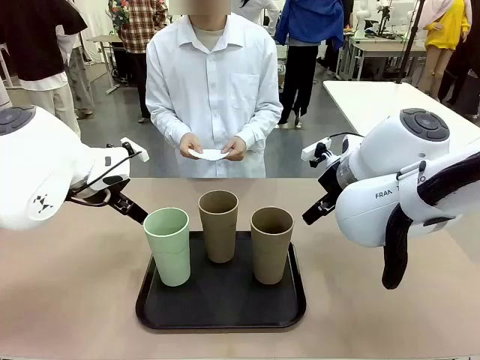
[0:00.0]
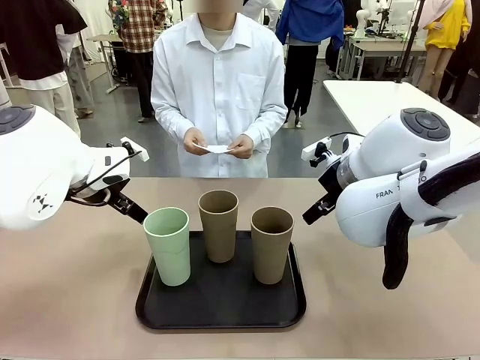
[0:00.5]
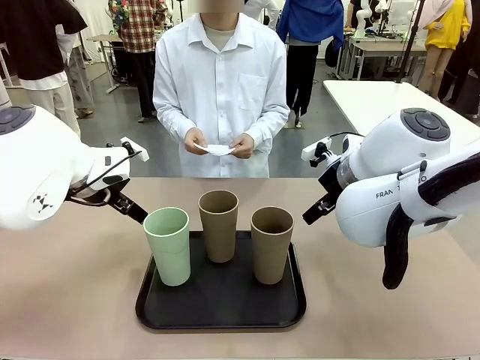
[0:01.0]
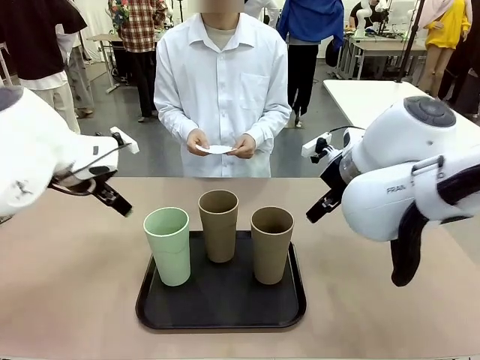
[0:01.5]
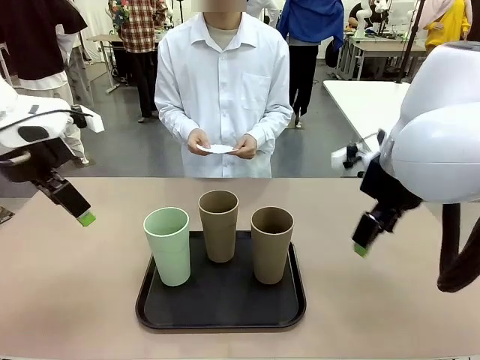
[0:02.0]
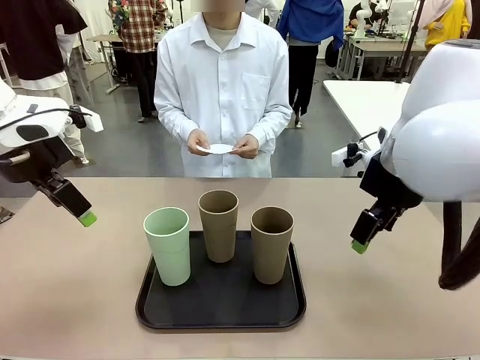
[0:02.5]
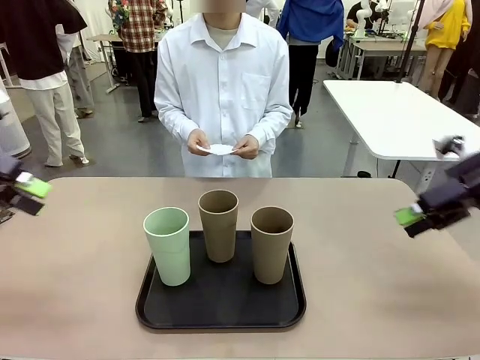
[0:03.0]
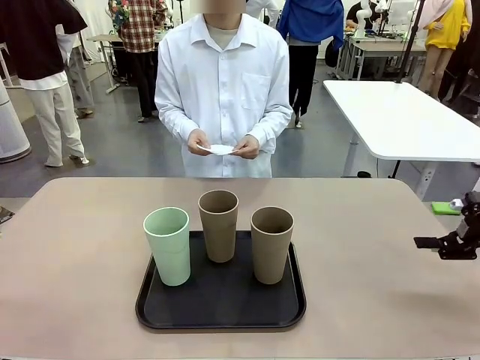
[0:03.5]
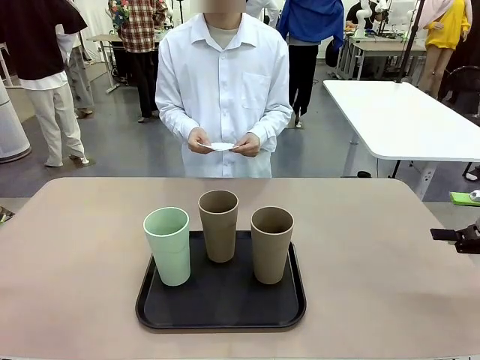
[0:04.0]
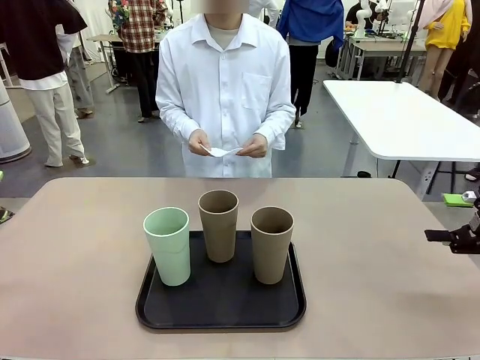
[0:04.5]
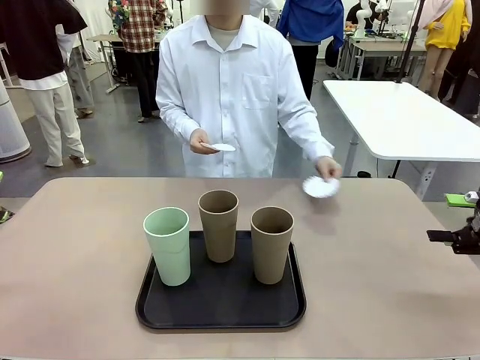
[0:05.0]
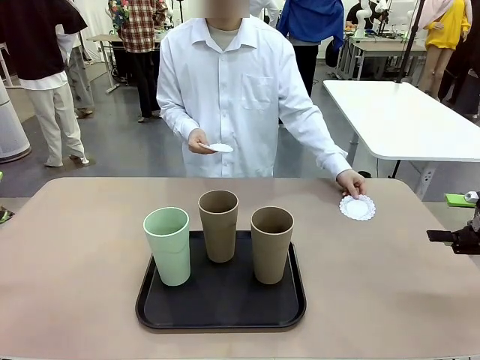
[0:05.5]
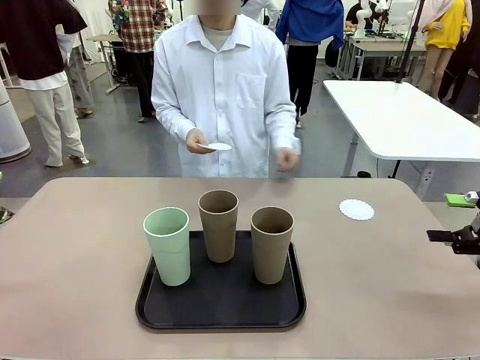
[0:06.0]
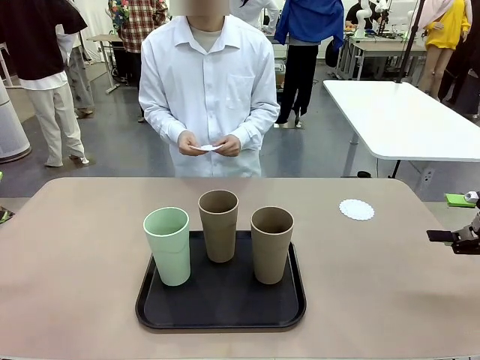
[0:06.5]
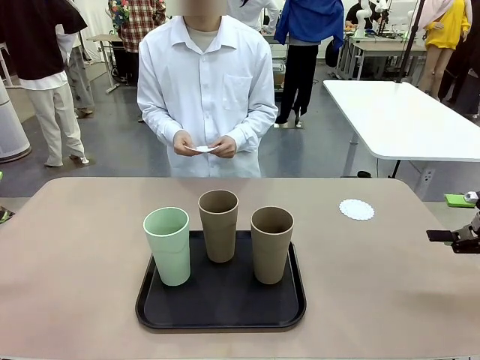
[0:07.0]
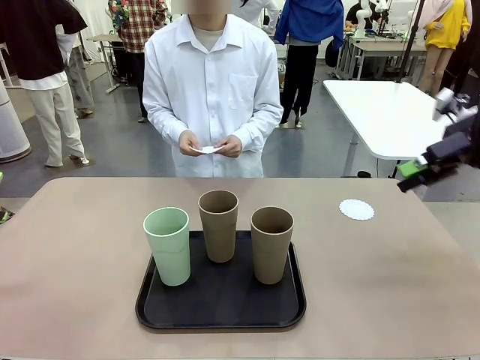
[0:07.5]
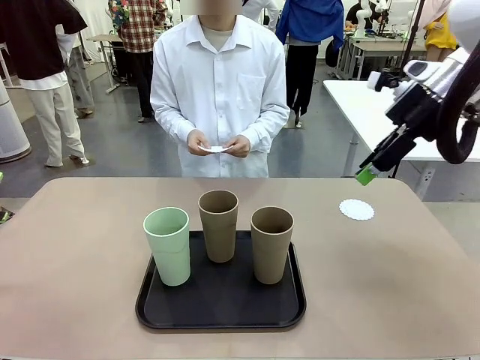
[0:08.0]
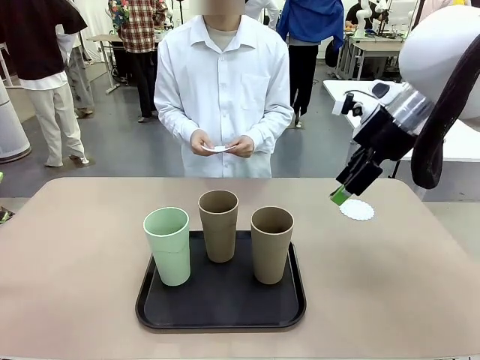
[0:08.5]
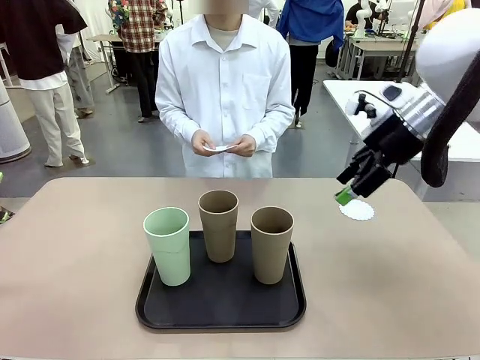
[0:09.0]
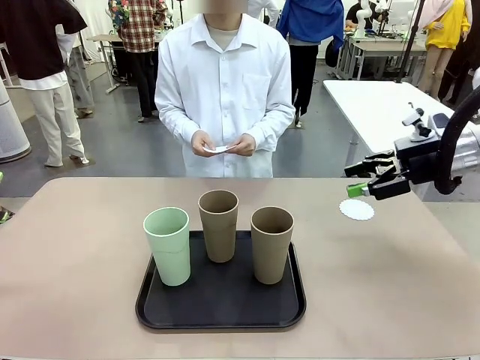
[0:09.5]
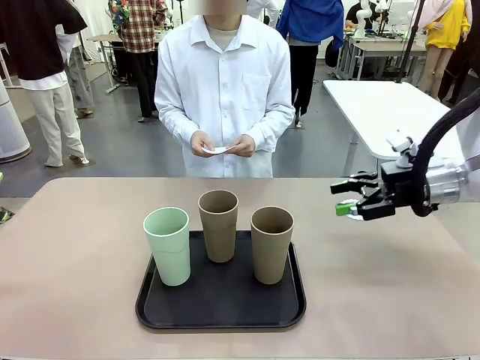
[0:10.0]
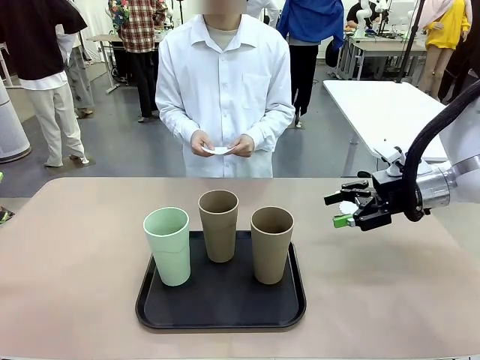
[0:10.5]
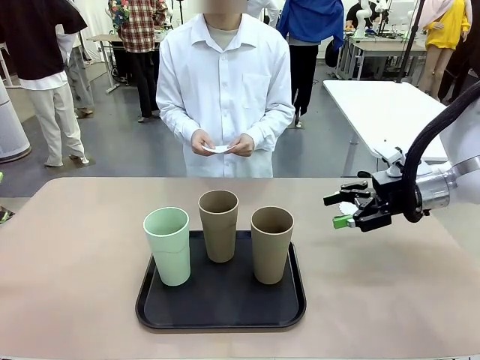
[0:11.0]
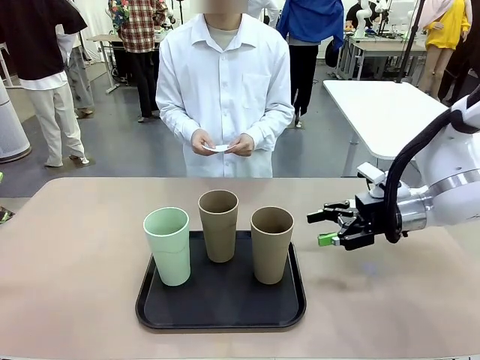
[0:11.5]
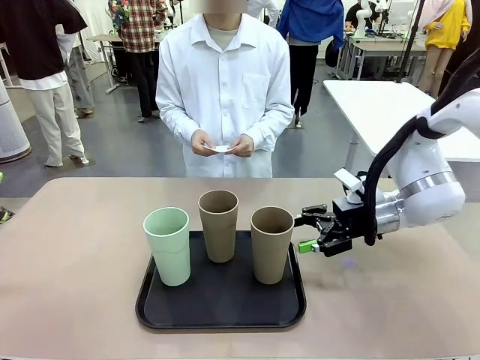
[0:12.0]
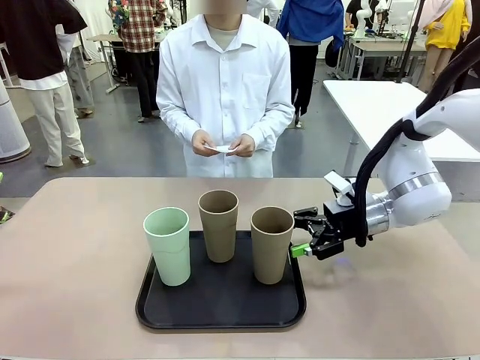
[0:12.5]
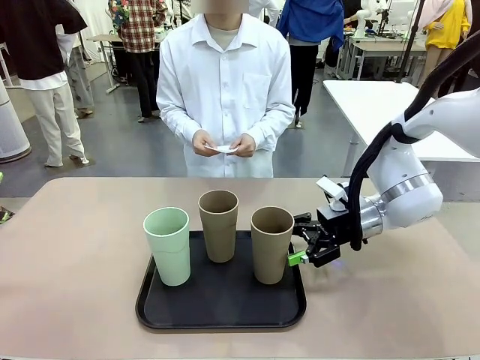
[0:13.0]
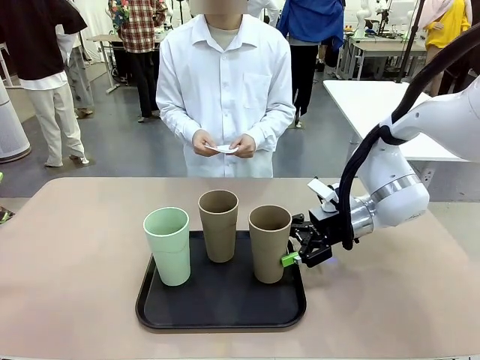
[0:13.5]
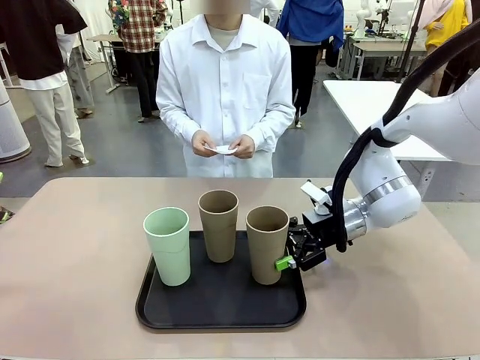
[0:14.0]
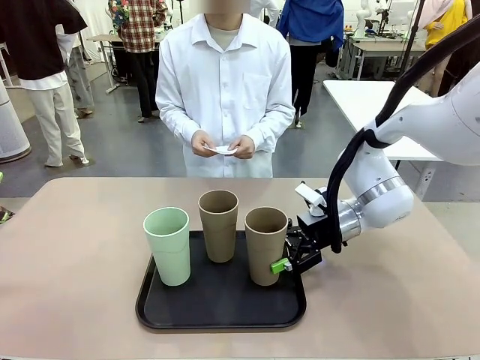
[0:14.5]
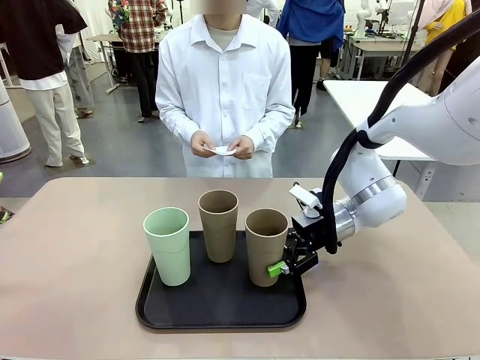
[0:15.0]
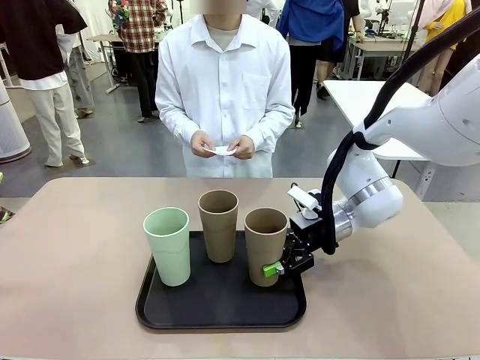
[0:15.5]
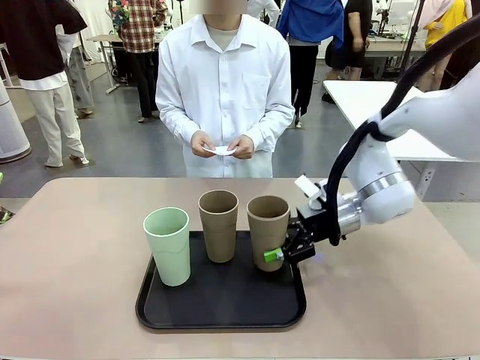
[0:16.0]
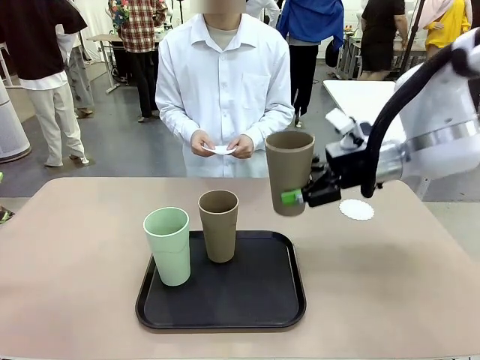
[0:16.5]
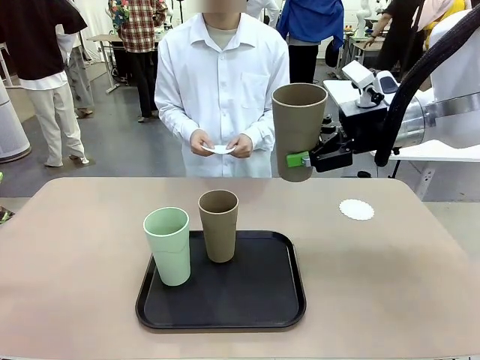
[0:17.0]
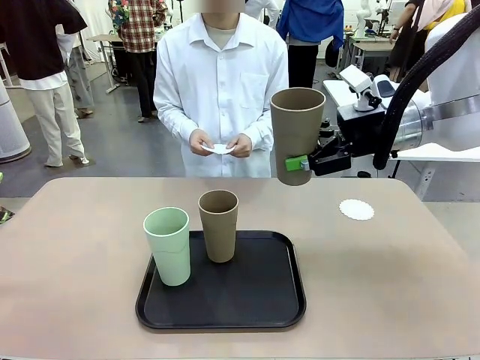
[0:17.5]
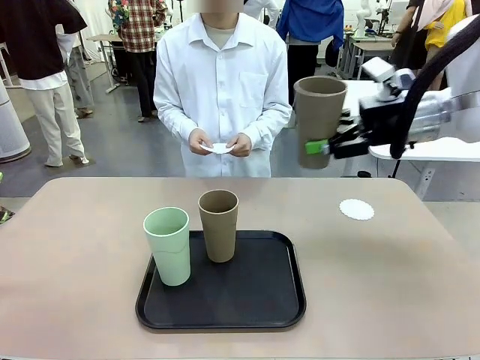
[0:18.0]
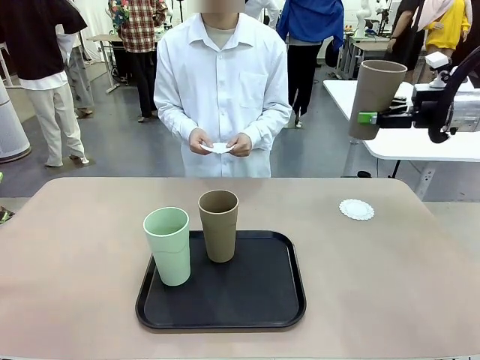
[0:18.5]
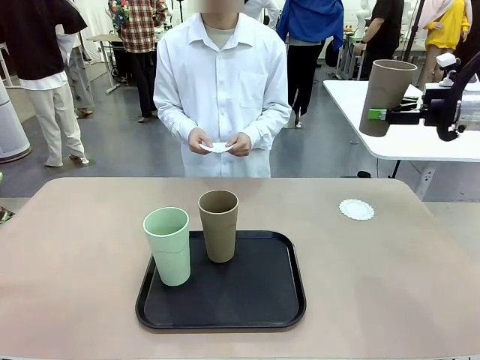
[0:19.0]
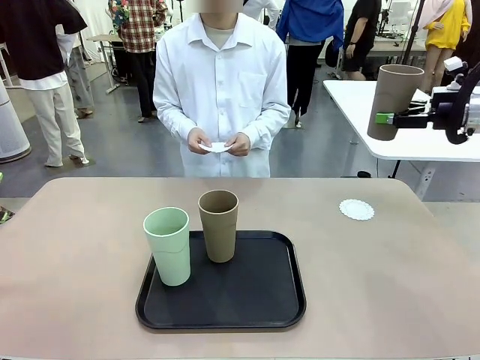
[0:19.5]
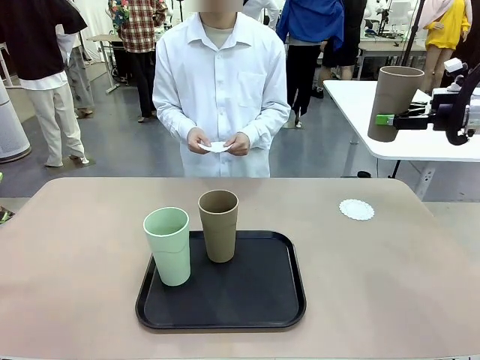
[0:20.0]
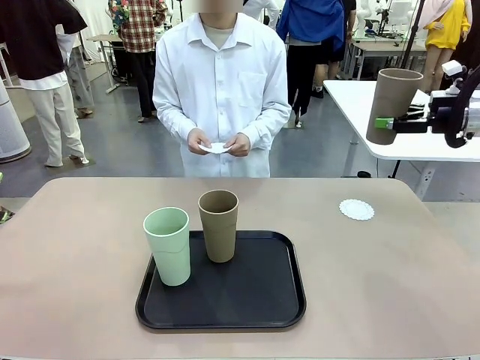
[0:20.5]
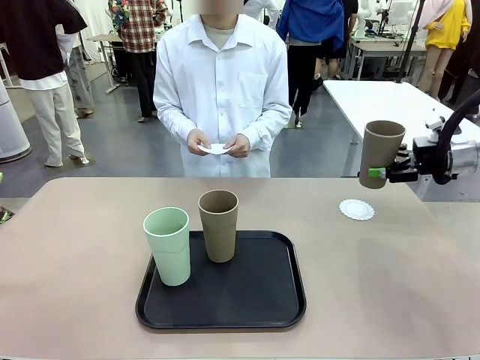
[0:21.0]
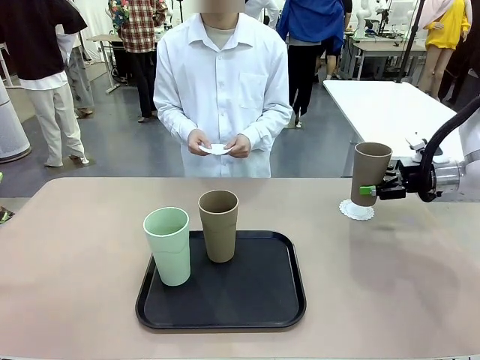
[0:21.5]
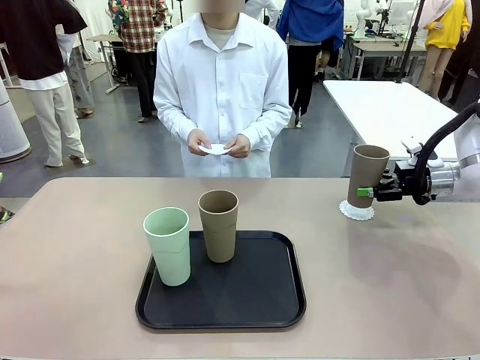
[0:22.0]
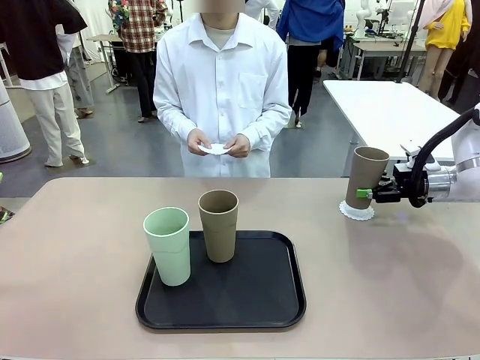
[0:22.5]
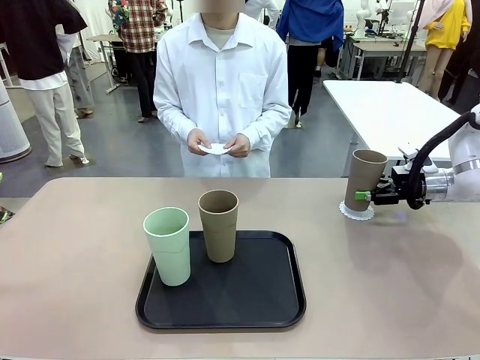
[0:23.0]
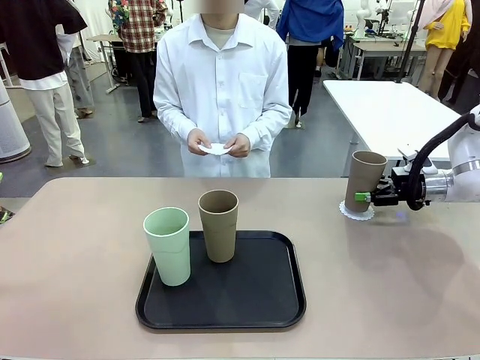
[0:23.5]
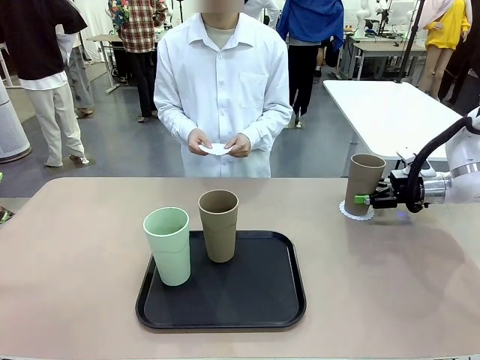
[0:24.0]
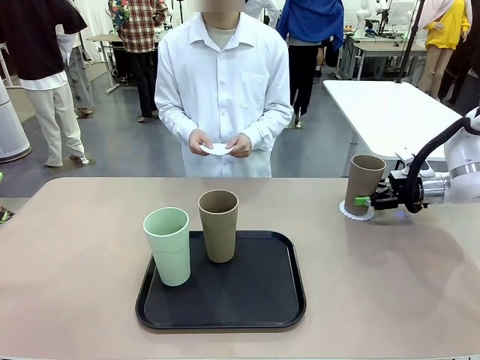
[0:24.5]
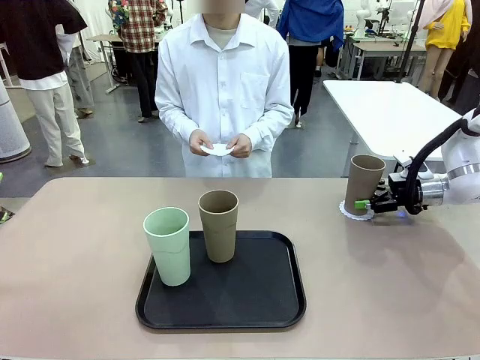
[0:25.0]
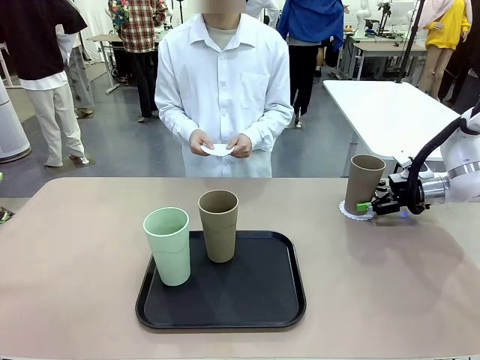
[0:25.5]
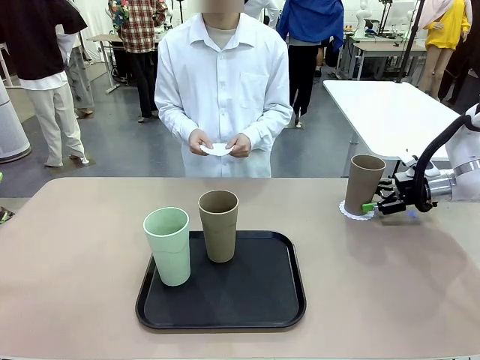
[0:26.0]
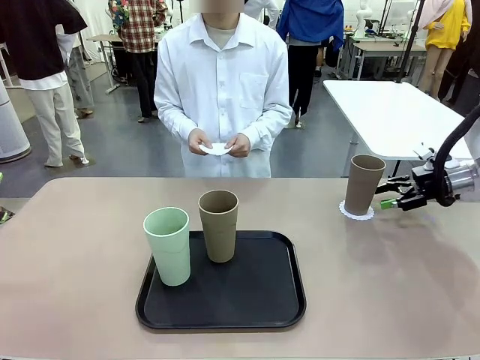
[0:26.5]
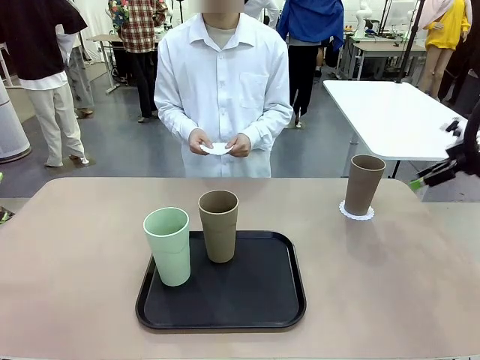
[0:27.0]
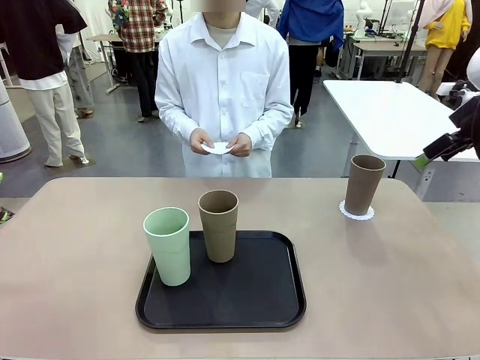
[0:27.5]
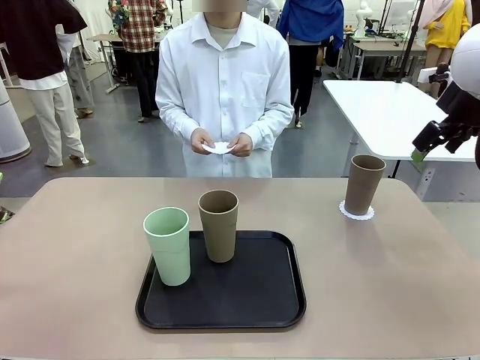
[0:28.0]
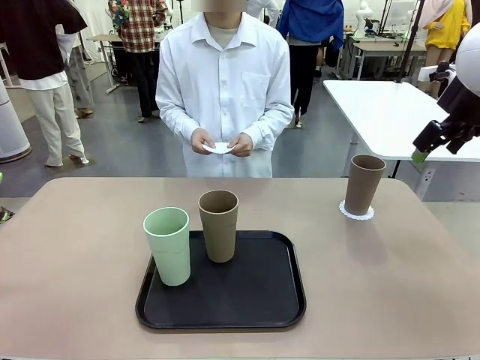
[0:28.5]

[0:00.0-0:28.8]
Task: Place coasters on the table and set cups on them.
Robot: Pick up one Reusable plastic cup and place it on a coaster set by the human.
Person: Place one coaster in any one of the three lower areas of the robot table (left, center, or right). Place one coaster in one of the two areas excluding the previously selected area.
